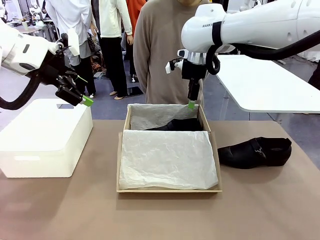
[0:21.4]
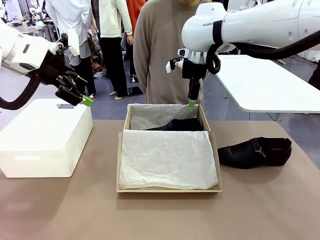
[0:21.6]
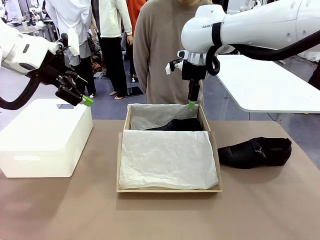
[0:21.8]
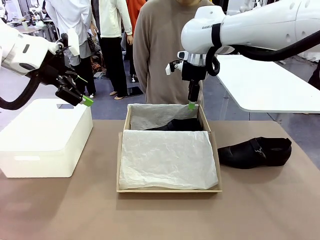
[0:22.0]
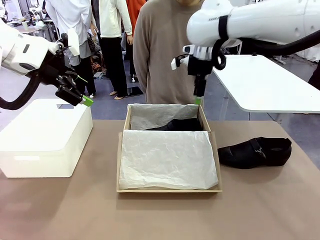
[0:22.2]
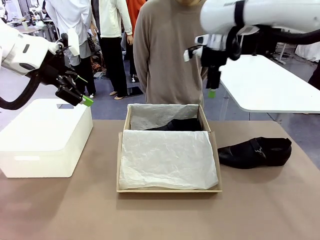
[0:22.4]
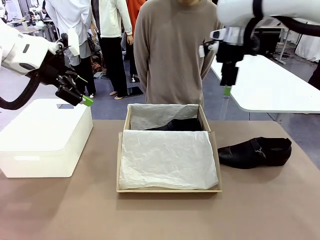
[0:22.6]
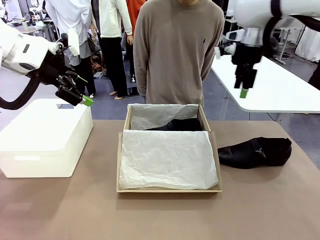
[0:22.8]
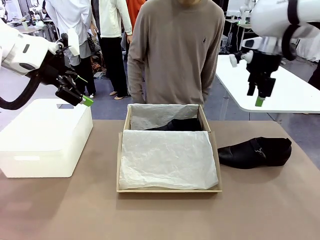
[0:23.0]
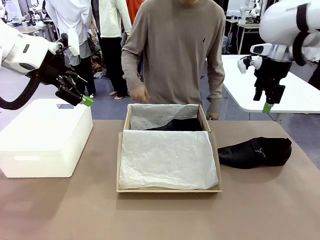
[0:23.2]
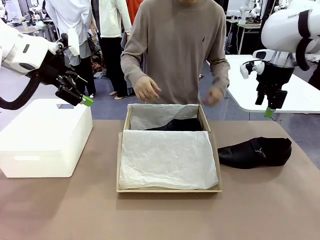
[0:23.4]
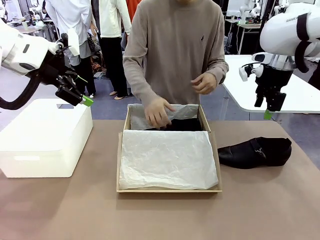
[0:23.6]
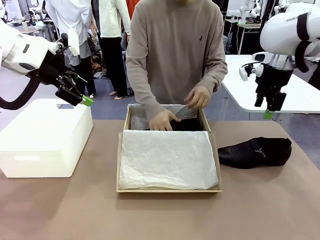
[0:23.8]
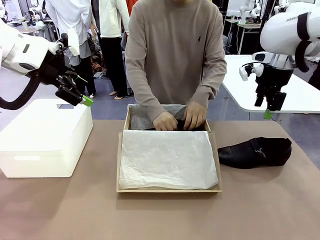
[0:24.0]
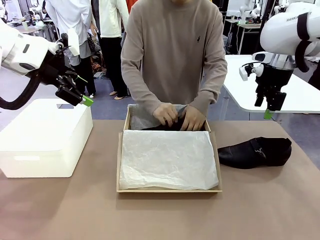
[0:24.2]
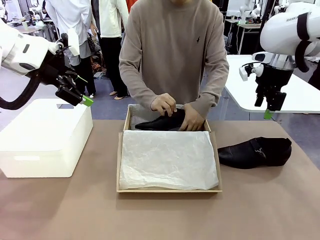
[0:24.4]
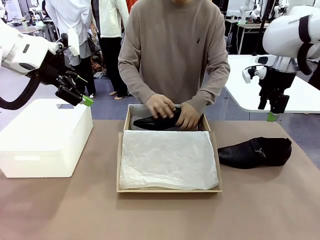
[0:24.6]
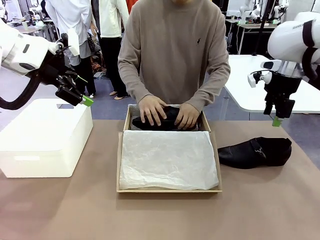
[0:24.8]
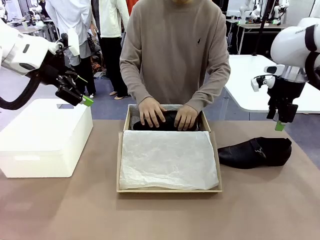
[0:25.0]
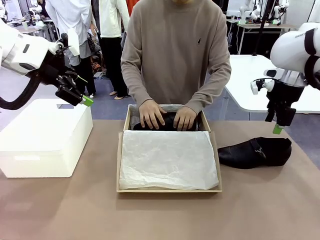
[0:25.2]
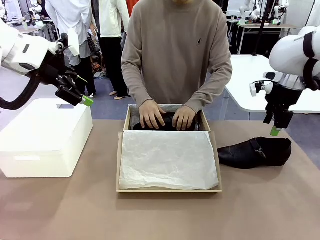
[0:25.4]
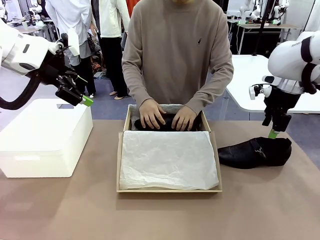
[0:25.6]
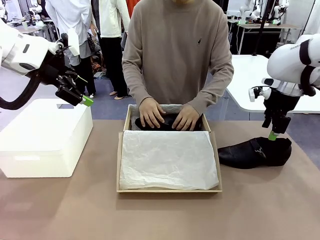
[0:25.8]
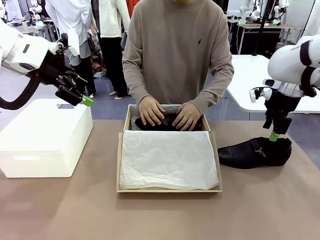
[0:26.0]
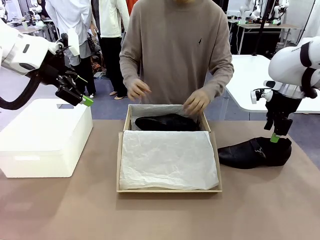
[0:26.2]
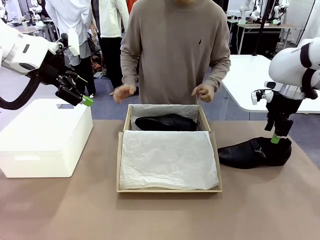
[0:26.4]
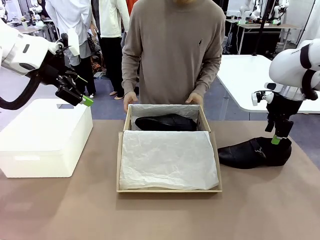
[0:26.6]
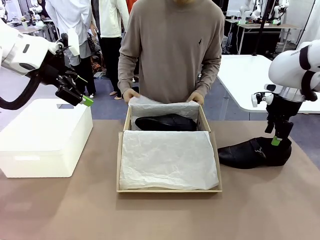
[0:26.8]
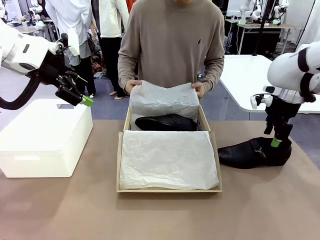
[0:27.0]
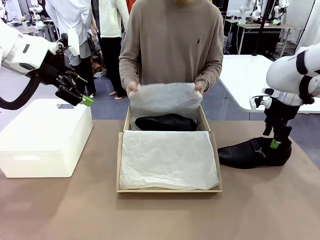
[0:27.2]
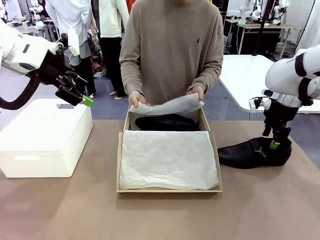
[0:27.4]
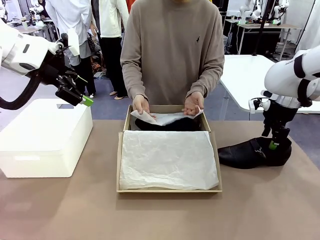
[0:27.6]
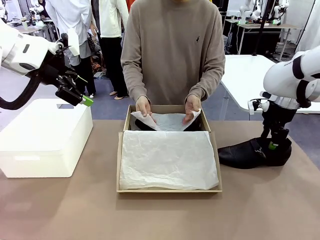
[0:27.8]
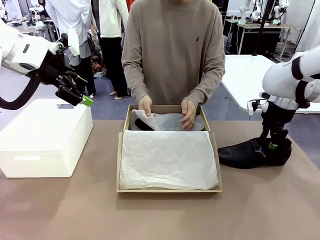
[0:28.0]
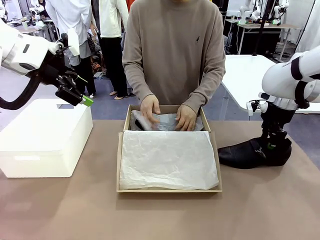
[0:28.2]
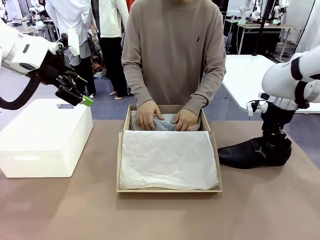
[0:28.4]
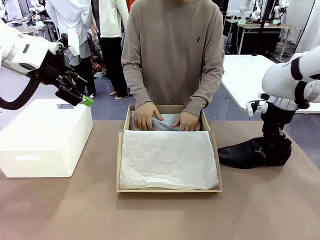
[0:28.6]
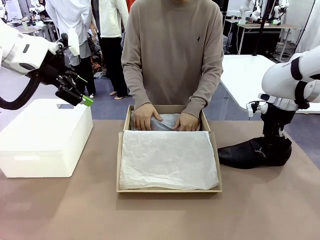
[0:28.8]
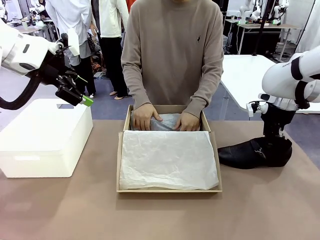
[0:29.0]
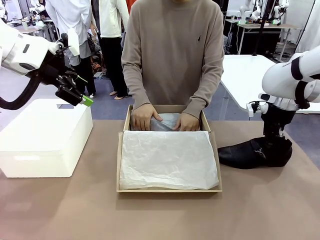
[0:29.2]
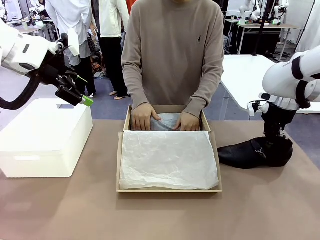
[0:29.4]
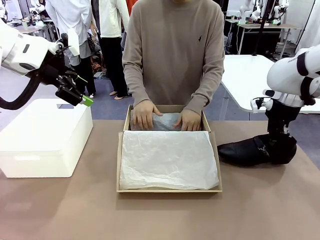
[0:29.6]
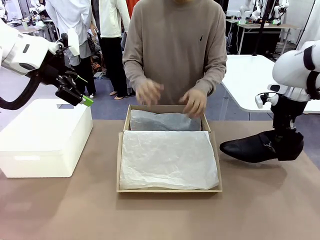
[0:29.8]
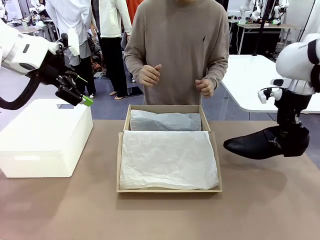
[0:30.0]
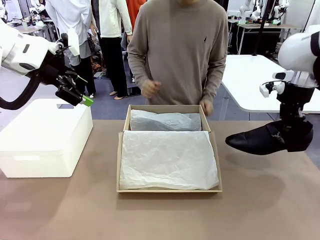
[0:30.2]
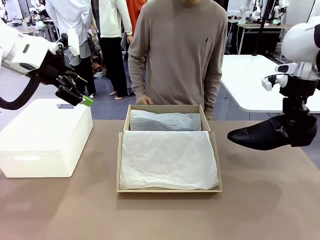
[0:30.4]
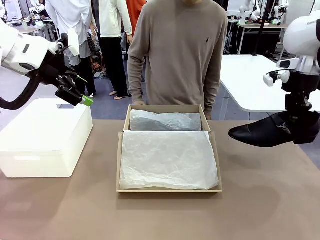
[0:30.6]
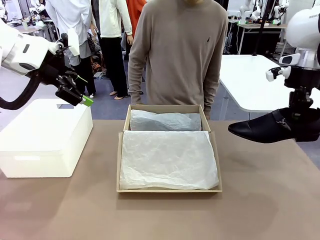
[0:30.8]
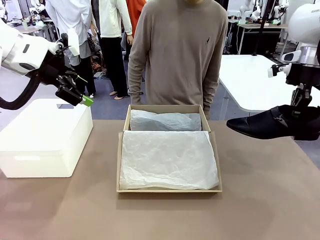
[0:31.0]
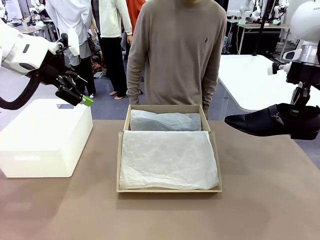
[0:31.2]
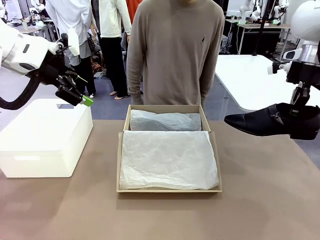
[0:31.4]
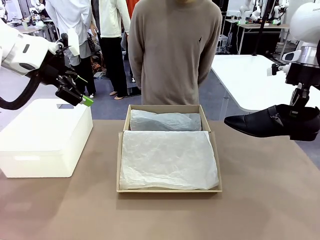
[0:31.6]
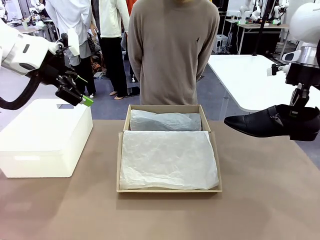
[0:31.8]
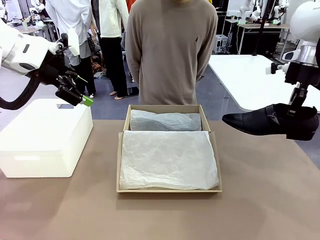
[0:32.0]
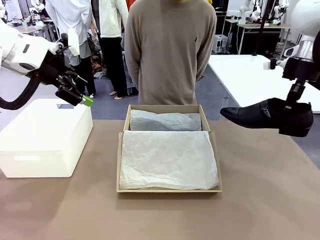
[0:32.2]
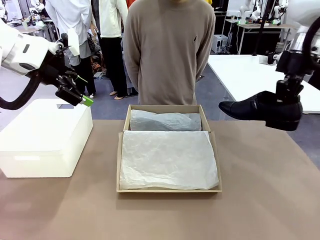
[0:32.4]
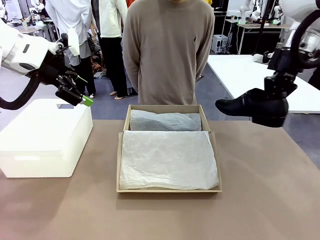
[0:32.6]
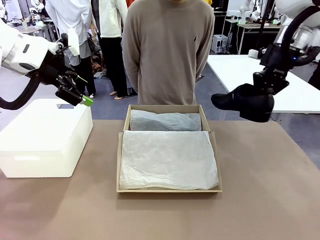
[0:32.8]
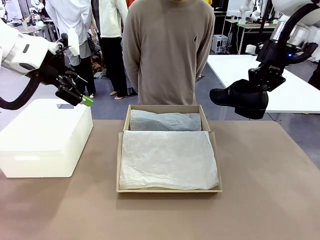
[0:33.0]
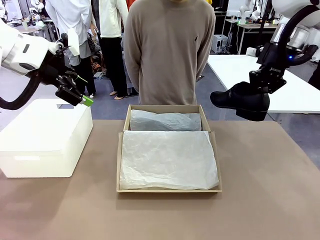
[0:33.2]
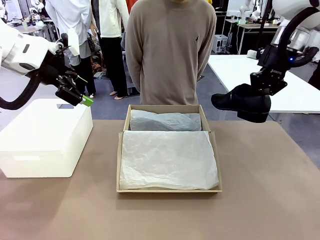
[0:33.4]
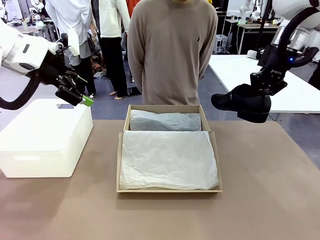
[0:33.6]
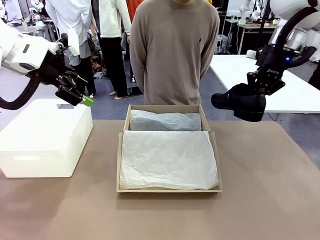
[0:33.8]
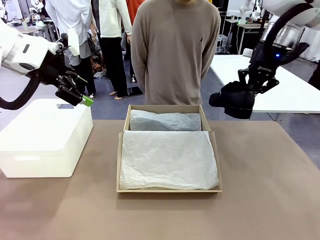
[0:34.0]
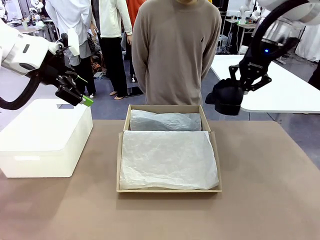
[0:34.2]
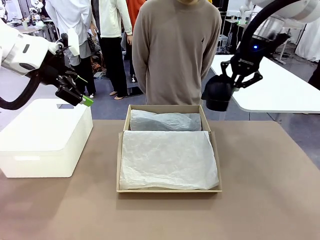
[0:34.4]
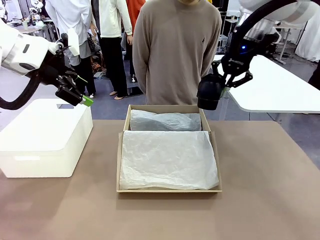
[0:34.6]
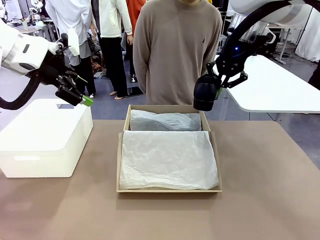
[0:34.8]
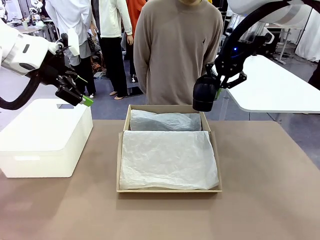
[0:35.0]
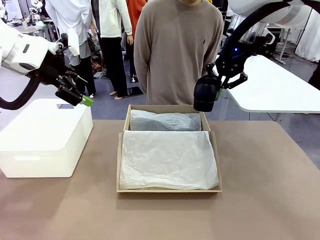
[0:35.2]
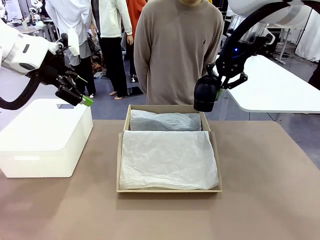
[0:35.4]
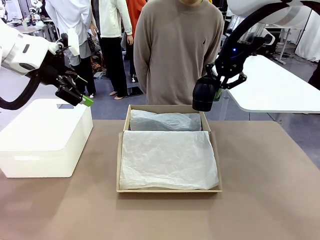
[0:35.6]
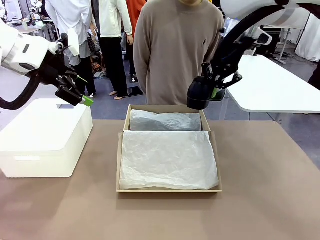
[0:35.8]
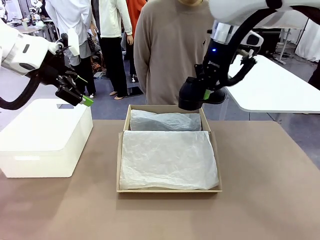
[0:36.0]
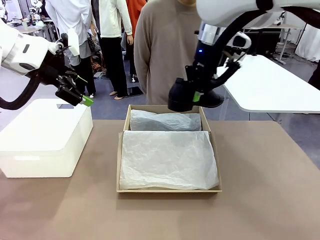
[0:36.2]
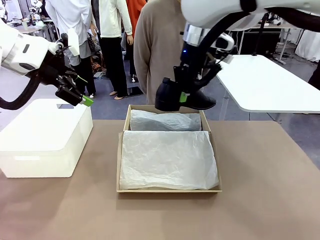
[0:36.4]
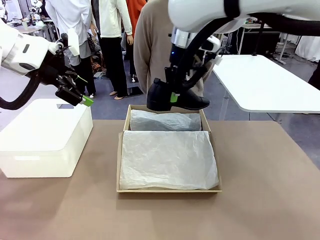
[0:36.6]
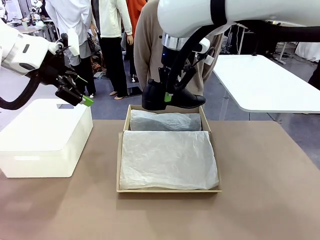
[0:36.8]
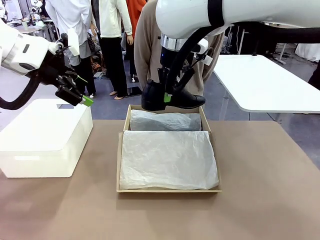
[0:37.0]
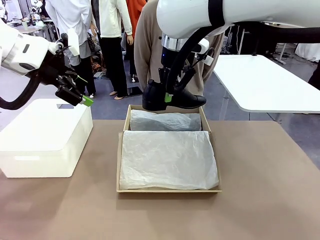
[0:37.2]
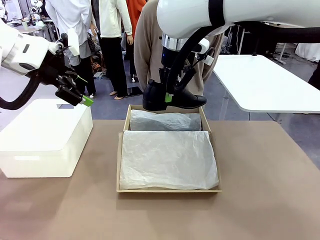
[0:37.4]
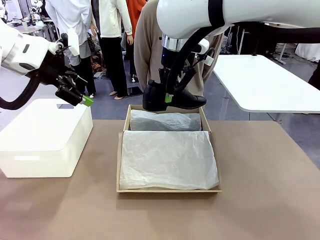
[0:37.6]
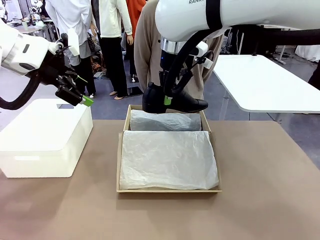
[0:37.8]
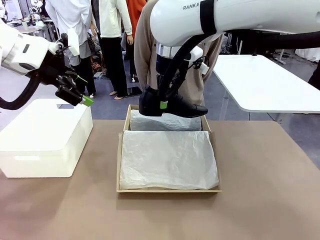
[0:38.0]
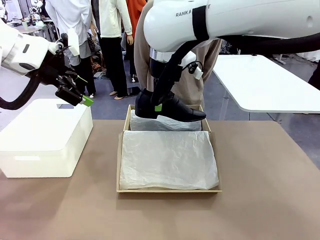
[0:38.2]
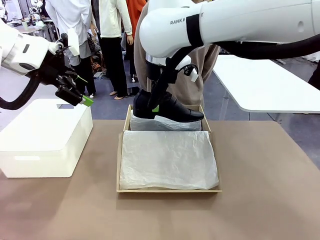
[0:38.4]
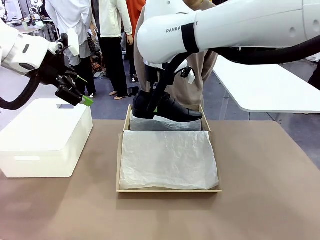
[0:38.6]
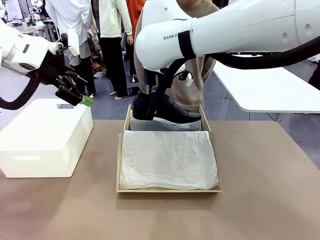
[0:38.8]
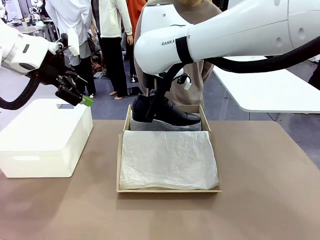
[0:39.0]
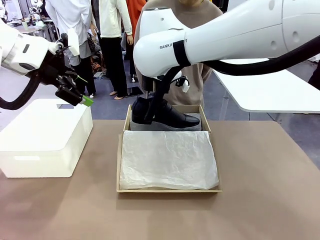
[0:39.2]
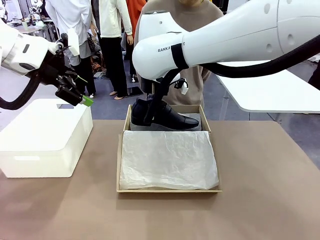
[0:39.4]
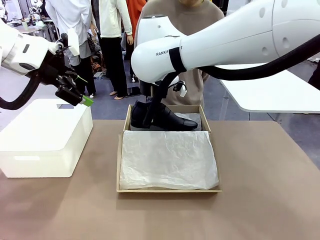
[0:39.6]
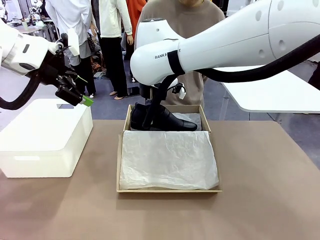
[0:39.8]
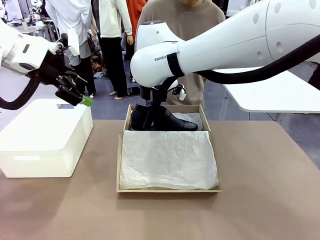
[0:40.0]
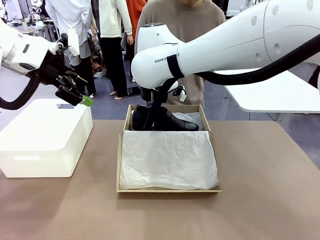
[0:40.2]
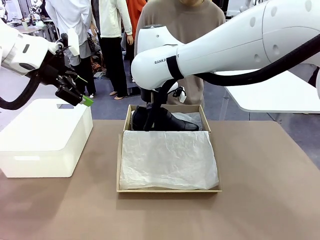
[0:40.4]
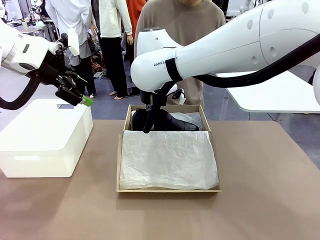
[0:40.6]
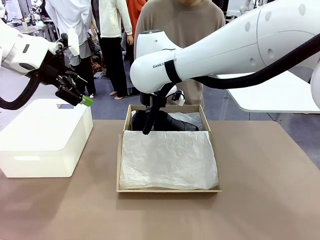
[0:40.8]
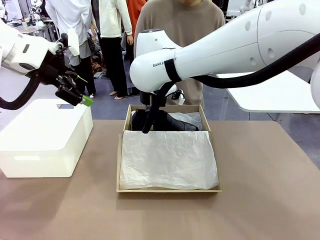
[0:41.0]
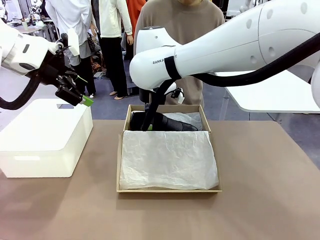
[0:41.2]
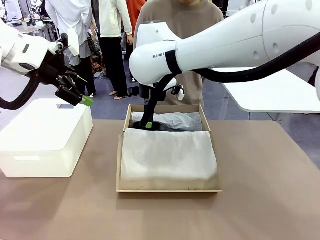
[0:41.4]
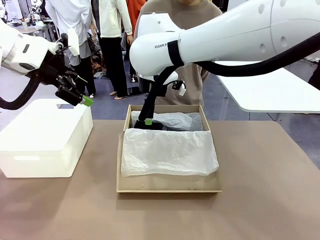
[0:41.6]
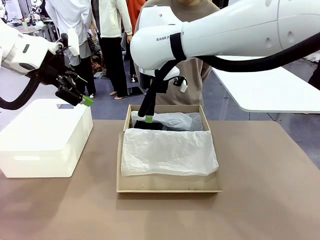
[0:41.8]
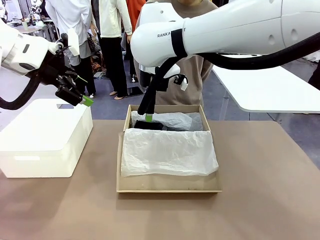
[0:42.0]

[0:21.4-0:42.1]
Task: Pack the shoes into the box.
Robot: Place the other shoe of the Shoes into the Shoes Box.
Person: Pack a shoe of Shoes inside the Shoes Box with Shoes Wrapping Paper.
